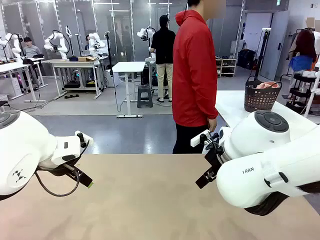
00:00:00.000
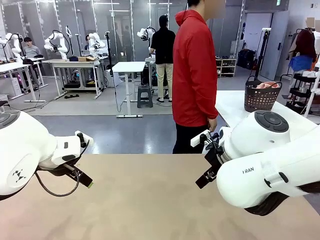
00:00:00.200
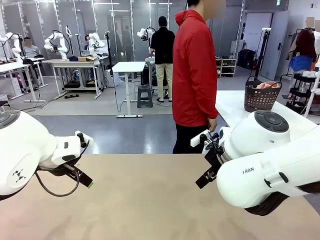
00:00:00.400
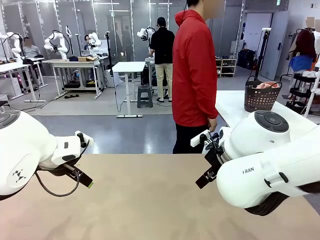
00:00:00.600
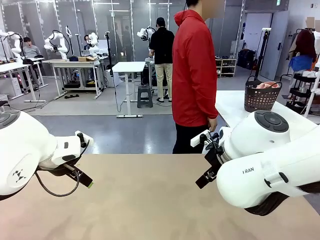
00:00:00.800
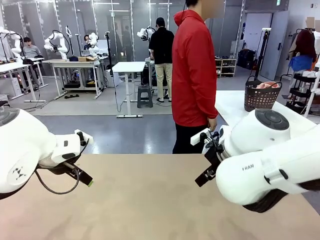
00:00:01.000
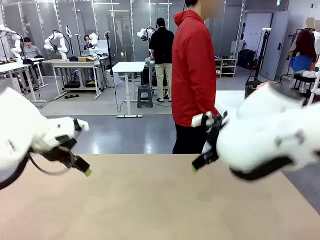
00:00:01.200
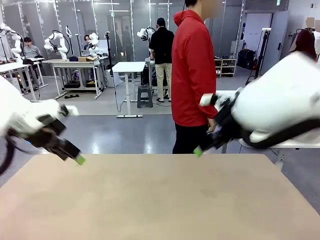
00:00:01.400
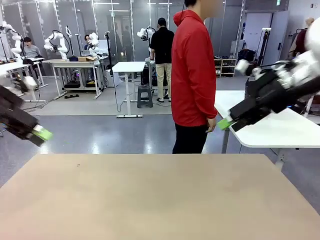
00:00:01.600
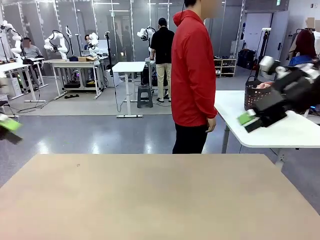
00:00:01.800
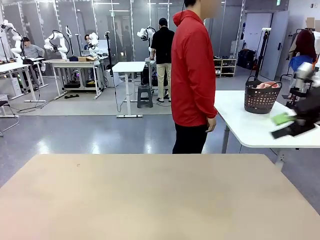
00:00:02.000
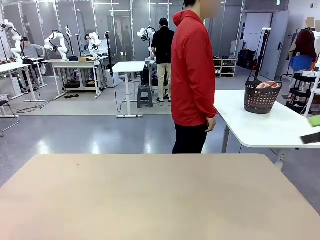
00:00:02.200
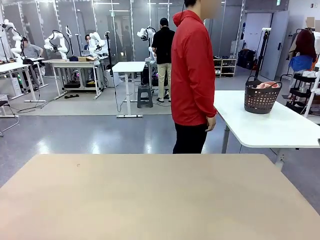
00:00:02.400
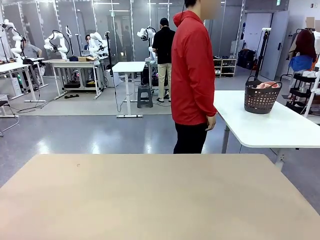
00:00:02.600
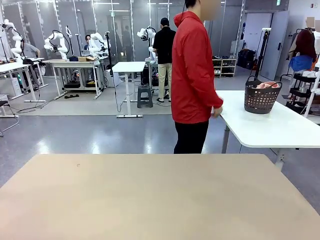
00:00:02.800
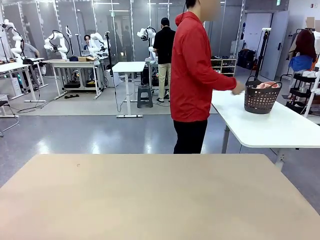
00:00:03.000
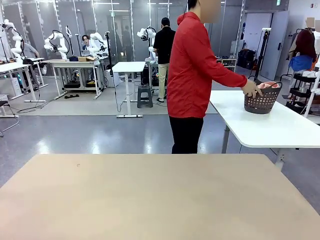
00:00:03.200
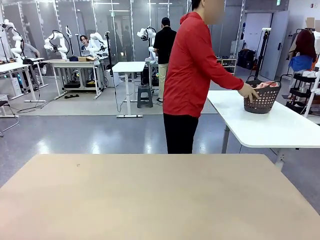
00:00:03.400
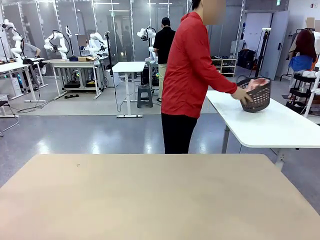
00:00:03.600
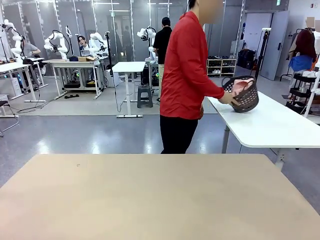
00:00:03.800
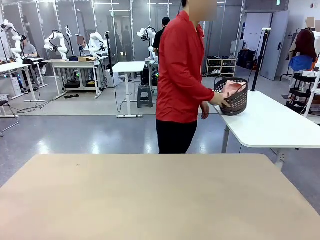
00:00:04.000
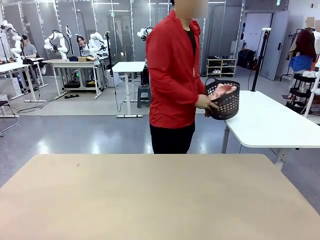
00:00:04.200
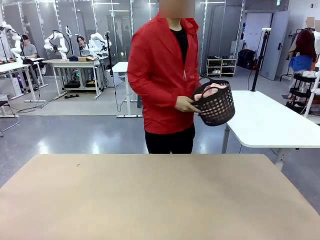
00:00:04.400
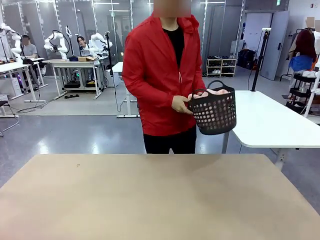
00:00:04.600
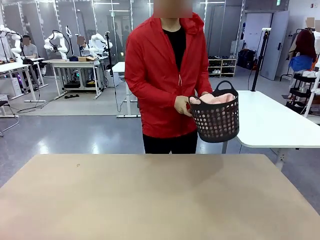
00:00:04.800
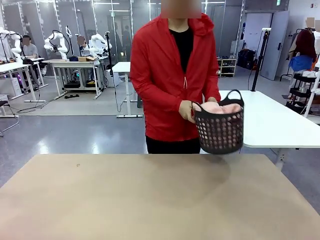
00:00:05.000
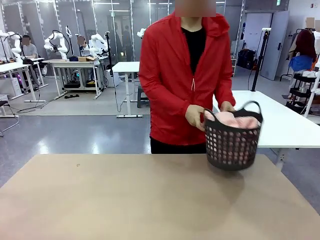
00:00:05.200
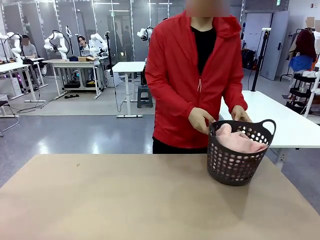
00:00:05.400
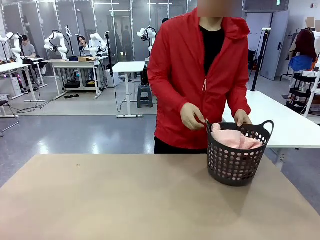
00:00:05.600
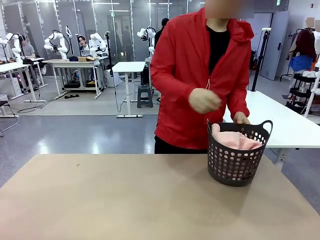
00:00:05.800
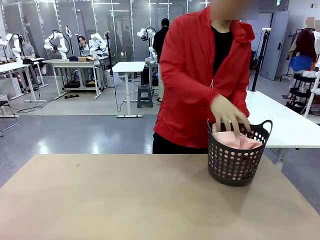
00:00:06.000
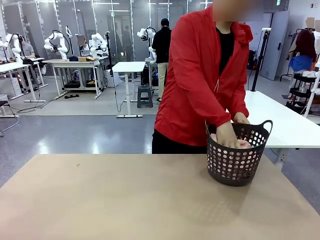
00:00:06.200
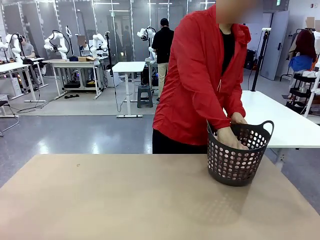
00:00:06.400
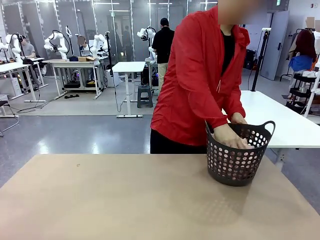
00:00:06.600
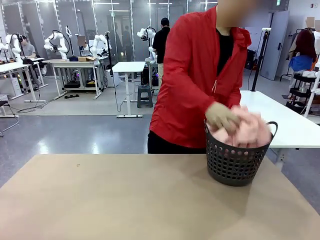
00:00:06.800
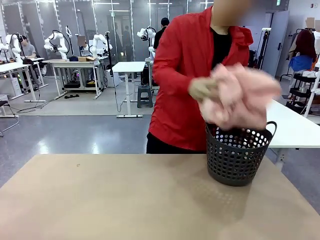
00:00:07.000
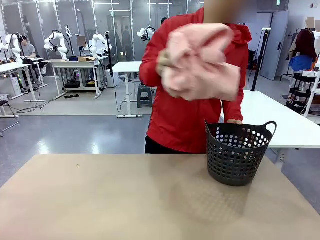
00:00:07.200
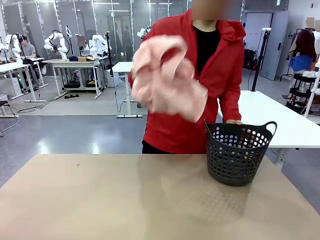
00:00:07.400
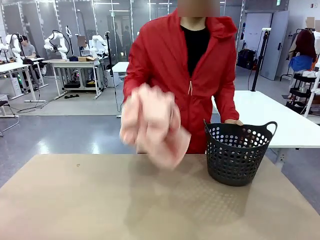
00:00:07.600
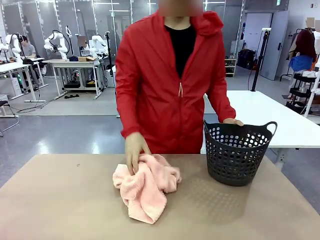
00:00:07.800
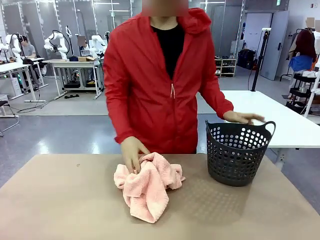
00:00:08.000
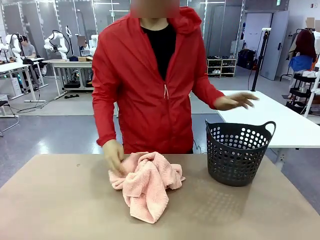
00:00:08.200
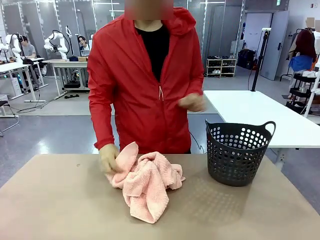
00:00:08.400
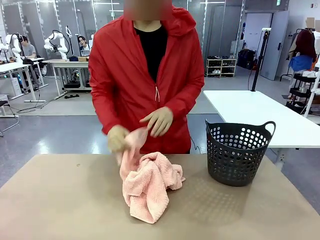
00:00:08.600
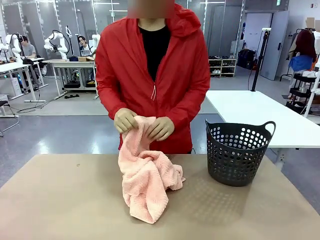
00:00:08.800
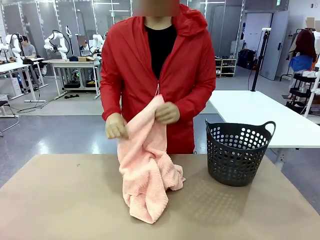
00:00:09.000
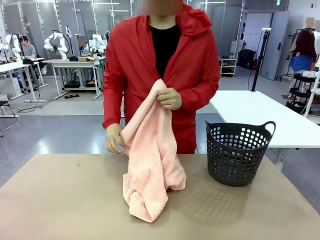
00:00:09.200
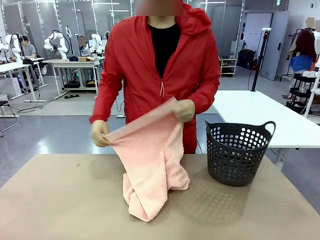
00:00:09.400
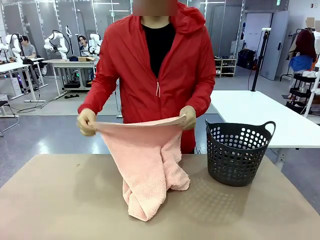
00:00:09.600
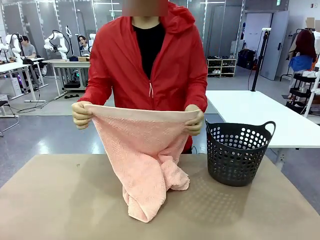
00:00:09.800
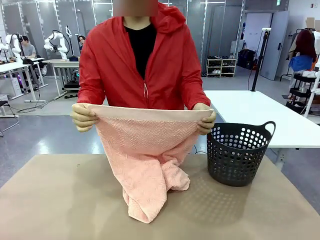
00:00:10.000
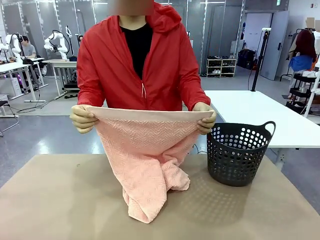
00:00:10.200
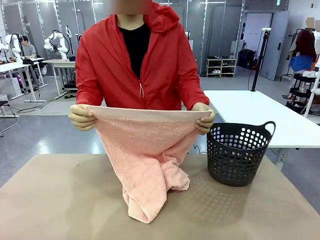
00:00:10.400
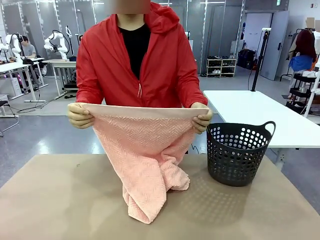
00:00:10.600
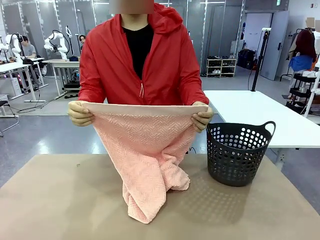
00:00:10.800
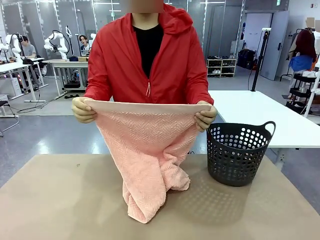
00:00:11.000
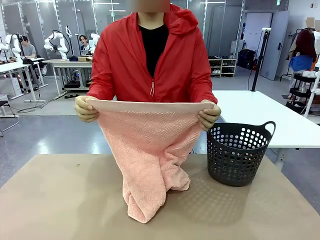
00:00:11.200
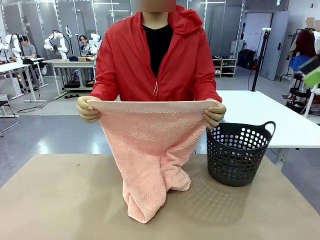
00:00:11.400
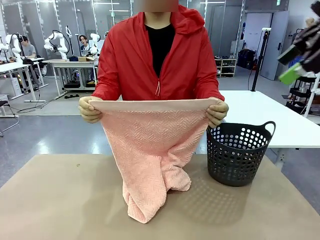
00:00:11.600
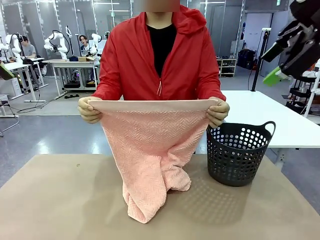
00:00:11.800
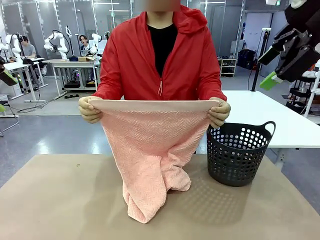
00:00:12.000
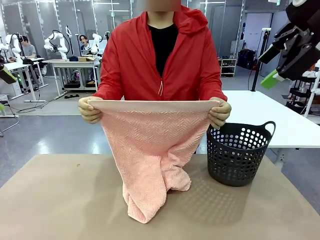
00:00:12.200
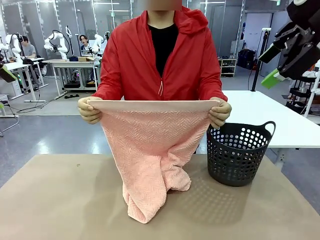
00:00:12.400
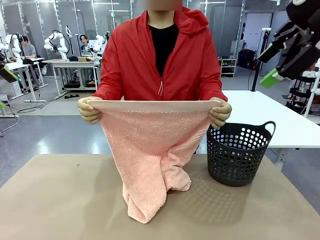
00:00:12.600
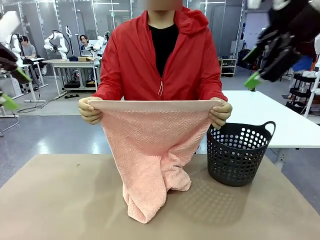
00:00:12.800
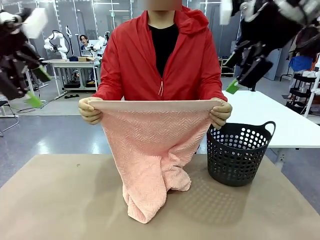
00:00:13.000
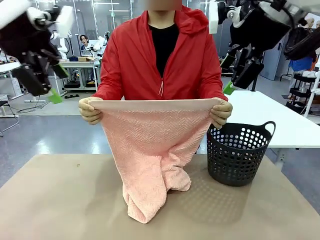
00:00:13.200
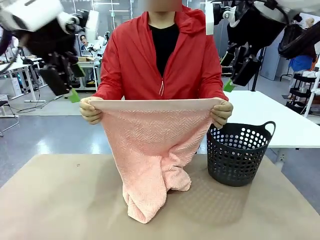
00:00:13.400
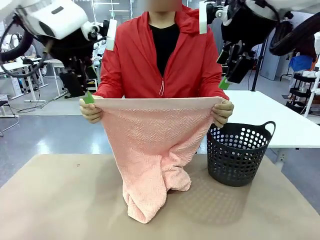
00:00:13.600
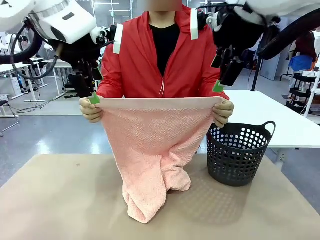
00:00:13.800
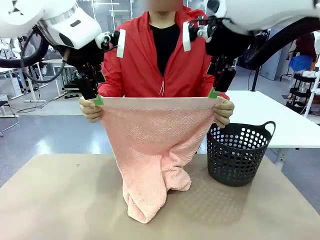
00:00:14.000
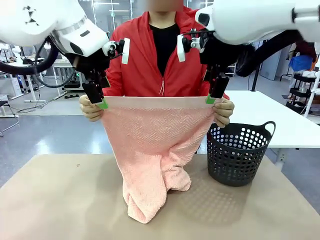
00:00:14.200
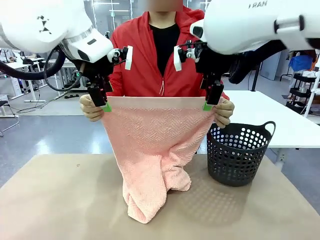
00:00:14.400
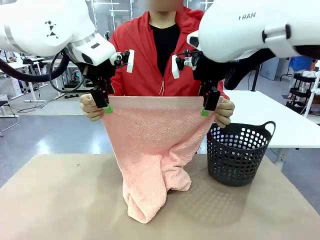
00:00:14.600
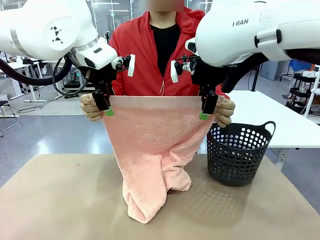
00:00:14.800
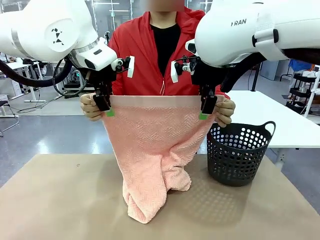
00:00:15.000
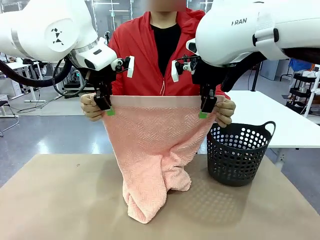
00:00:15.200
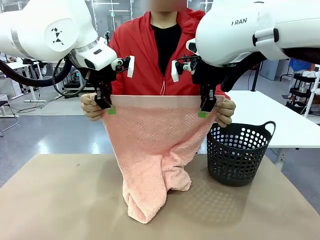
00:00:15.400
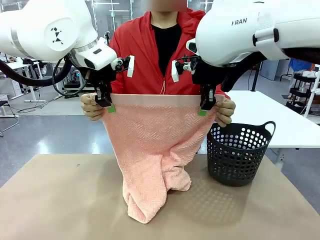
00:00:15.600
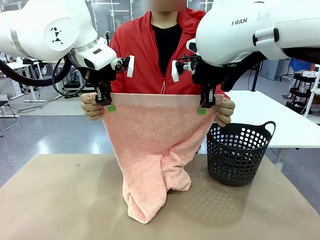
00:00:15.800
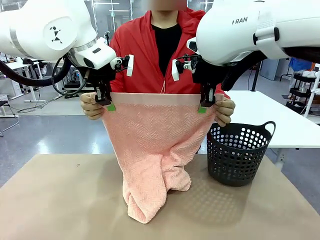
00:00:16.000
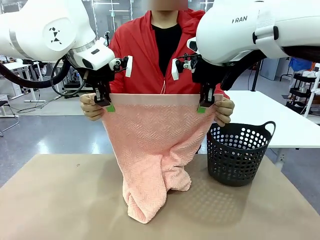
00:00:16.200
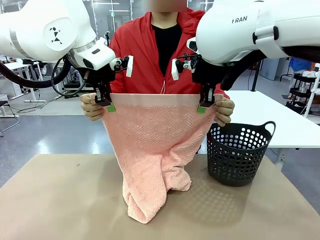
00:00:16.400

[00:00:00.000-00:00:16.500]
Task: Fold the towel.
Robot: Grab the top end of the 100 cm Hotel Towel extended by the human.
Person: Pick up the laundry basket, place it on the left side of the robot table, then take out a towel and hand it to the robot while holding both corners of one end.
